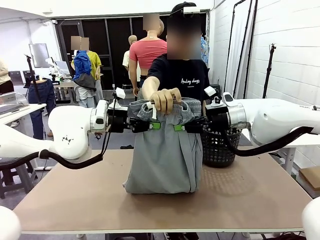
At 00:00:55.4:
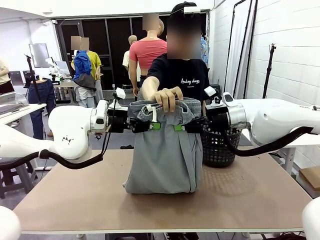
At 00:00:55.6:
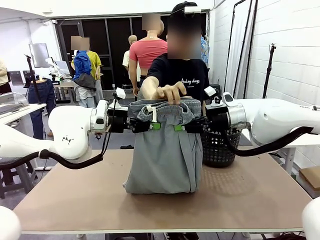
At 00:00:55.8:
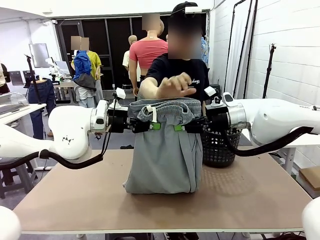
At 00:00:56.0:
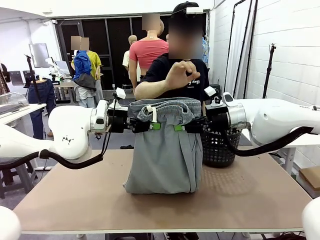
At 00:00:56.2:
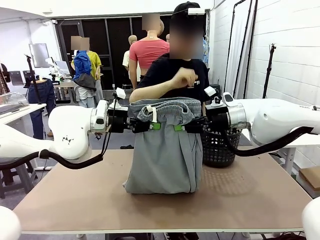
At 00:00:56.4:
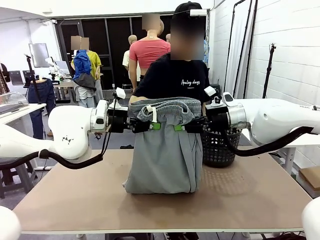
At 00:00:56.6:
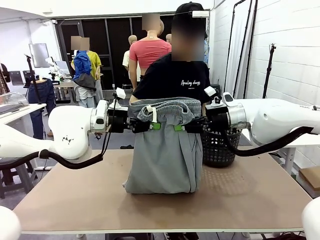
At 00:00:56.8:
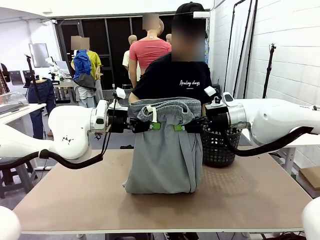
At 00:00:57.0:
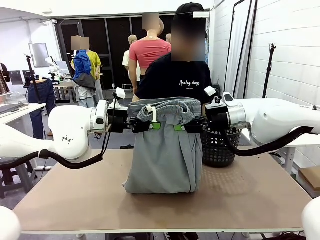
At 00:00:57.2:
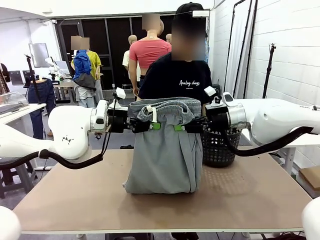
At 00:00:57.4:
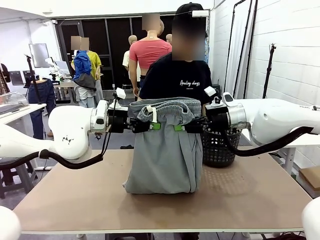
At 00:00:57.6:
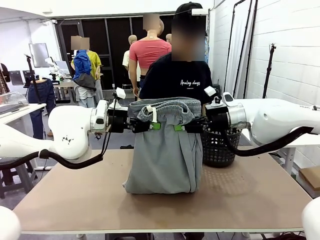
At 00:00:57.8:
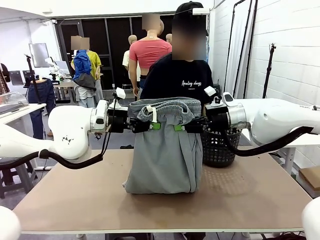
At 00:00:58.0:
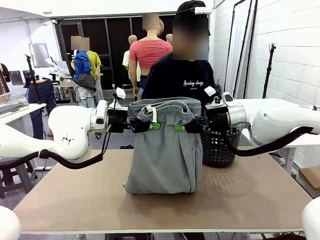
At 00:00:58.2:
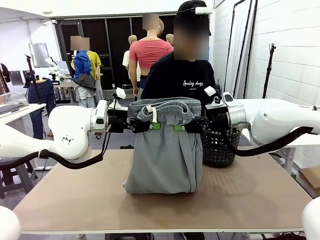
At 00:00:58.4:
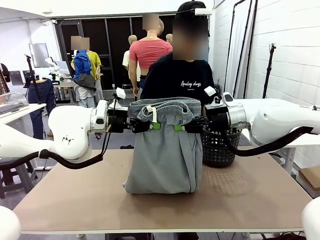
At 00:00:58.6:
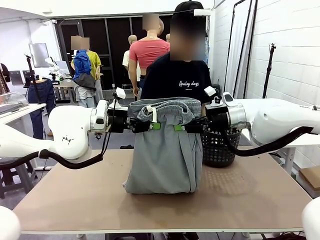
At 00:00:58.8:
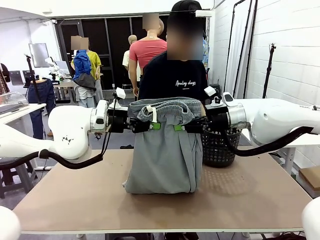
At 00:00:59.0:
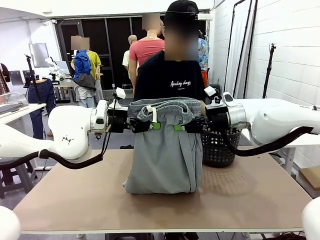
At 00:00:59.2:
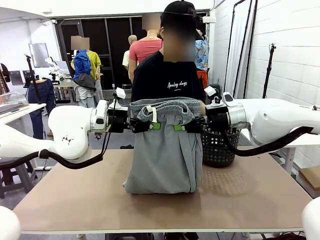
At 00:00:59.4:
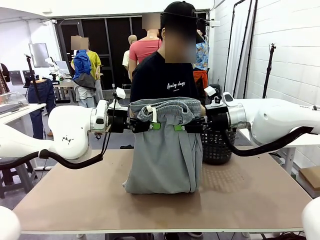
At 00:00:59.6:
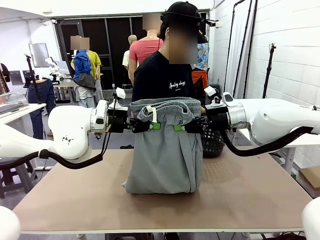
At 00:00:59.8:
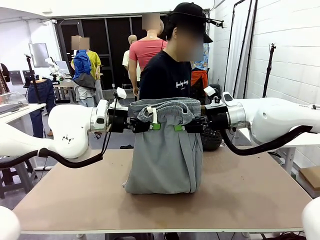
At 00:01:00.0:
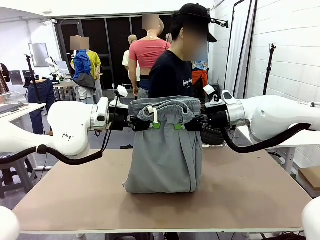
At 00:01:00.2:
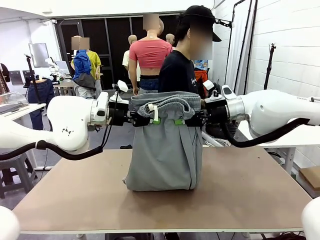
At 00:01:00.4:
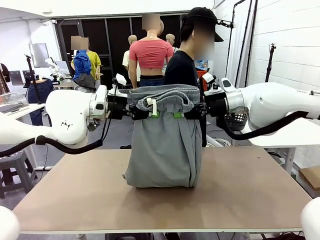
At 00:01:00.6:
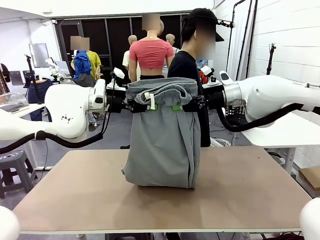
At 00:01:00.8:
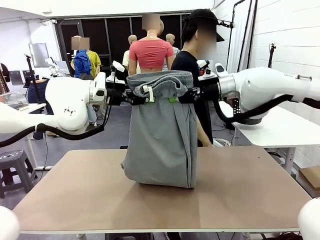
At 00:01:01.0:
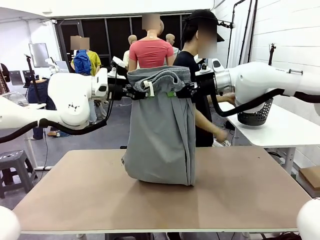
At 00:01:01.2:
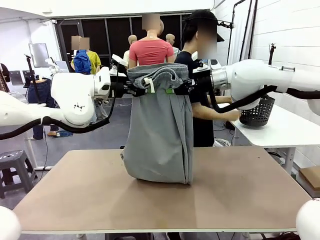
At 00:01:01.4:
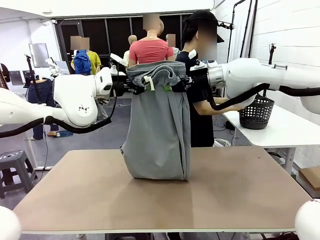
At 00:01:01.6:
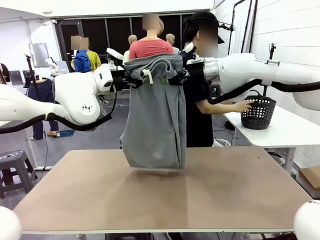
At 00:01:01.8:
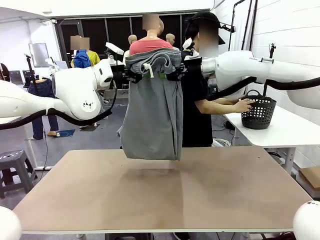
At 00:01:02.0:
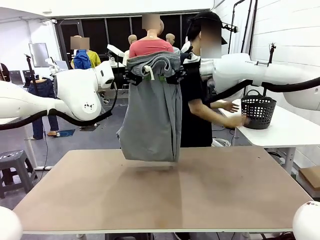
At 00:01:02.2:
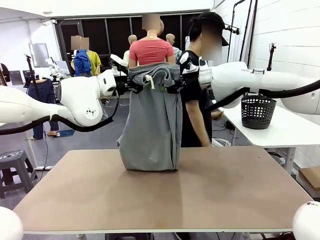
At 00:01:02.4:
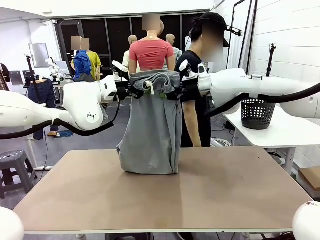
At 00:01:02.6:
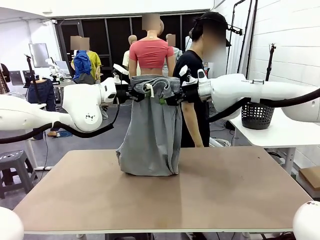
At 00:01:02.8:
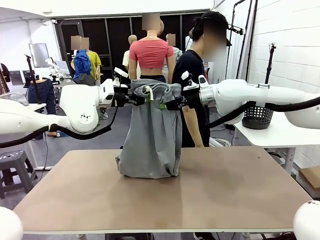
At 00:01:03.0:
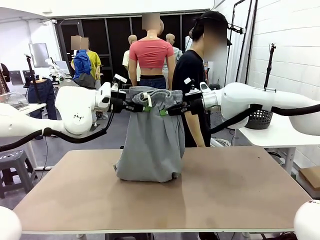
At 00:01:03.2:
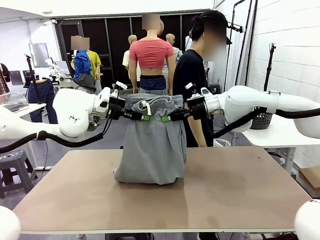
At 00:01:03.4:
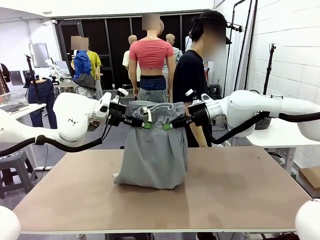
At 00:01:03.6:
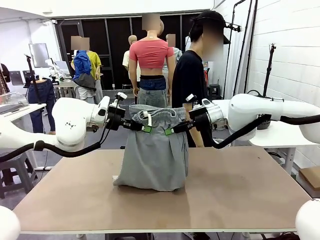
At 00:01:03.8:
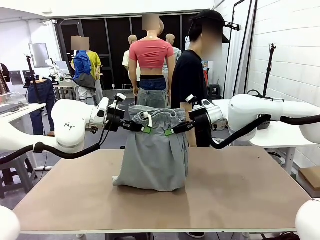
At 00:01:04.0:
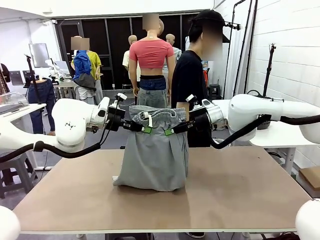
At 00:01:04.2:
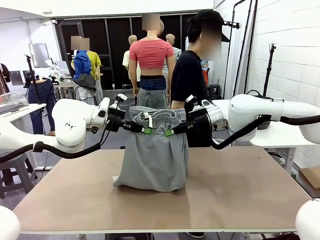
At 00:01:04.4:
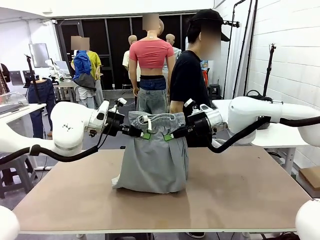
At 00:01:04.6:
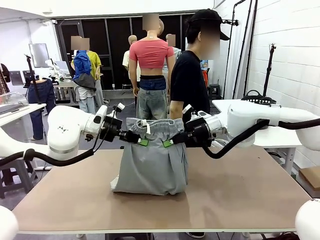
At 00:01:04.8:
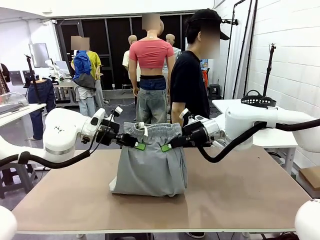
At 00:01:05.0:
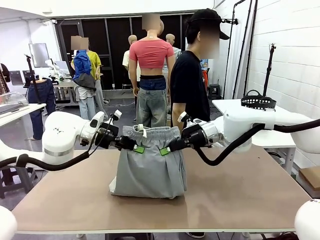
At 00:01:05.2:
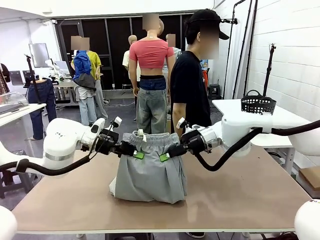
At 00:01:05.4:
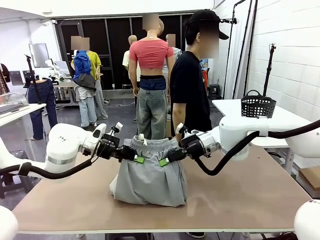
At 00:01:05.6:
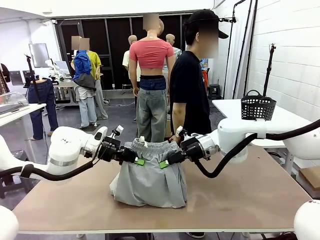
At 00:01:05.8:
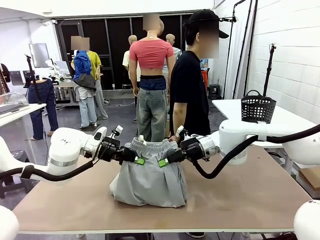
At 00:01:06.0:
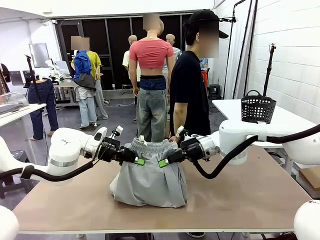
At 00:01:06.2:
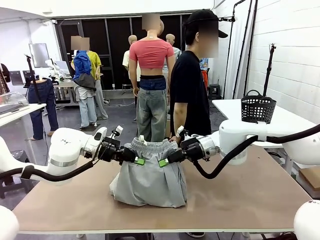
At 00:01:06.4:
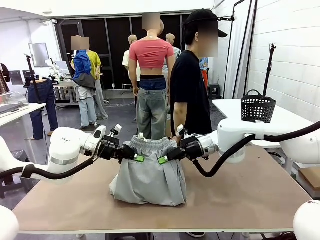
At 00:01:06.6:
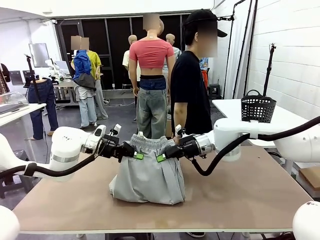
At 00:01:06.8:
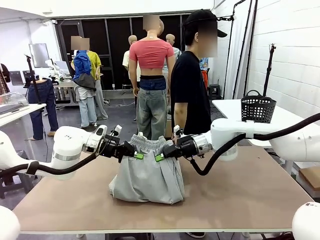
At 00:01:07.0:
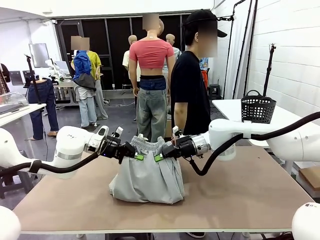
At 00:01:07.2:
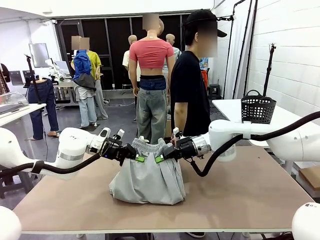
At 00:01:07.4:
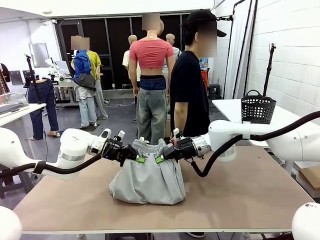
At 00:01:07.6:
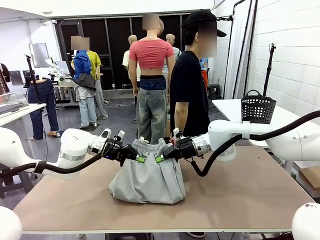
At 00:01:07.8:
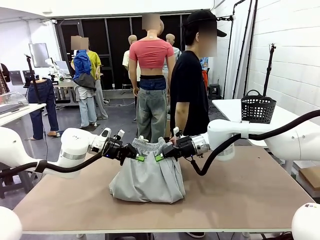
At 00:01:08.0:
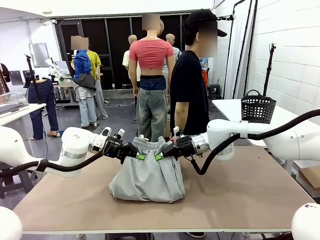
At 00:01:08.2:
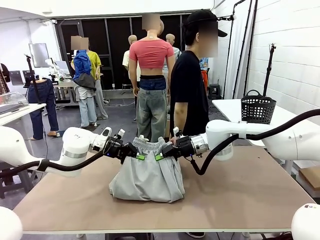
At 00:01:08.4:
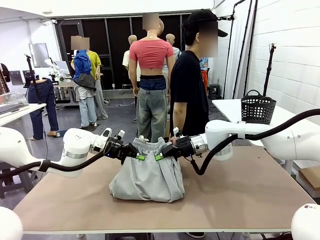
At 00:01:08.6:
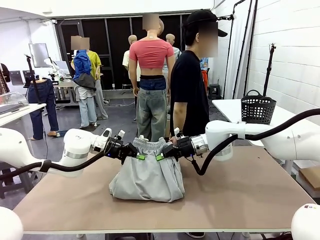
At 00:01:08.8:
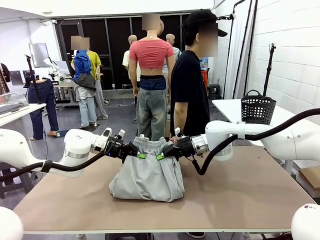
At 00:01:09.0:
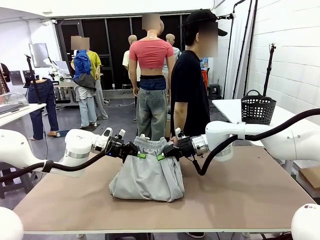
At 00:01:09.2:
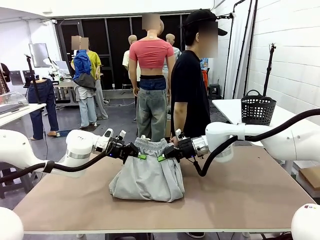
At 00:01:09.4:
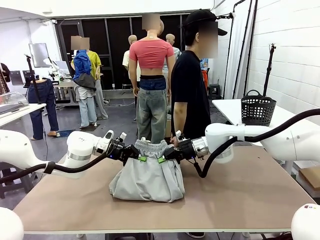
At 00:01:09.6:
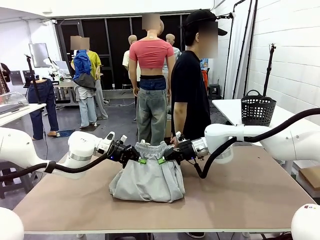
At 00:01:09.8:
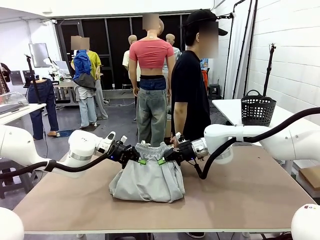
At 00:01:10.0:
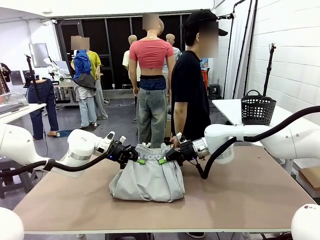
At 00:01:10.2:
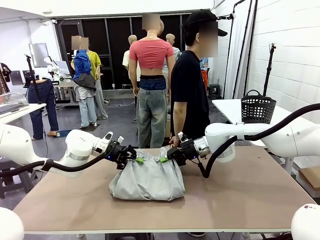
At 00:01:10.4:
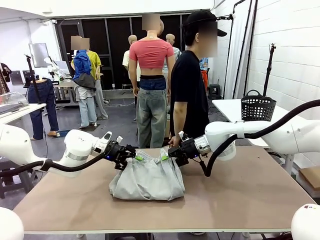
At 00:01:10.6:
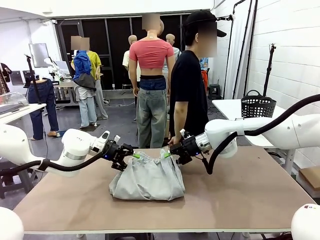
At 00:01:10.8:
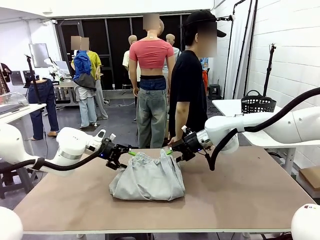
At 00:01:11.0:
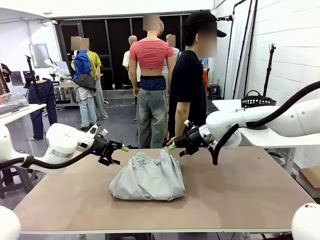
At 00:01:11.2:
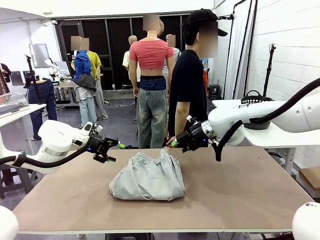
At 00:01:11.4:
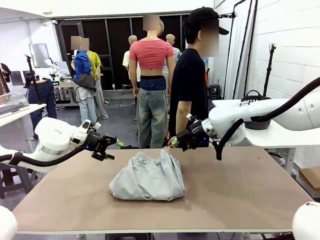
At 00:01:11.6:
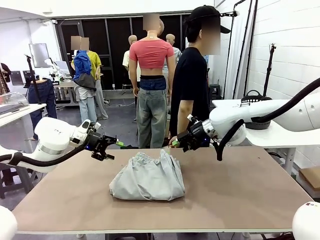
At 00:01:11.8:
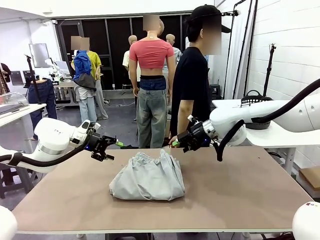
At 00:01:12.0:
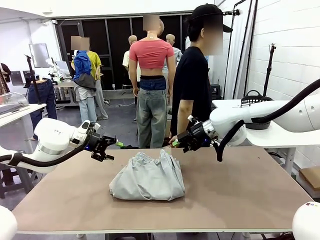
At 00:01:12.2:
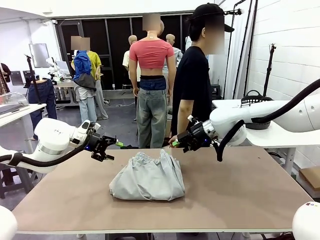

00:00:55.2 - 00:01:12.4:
Task: Fold the training pants.
Robot: Fold the Training pants in half.
Person: Move the laundry basket to the right of the human table.
